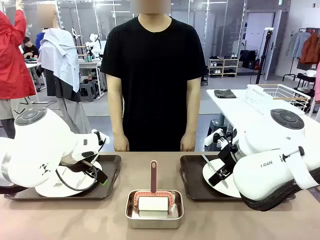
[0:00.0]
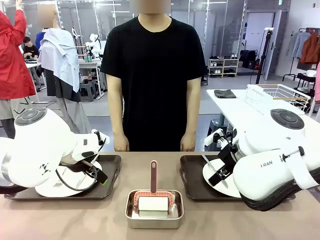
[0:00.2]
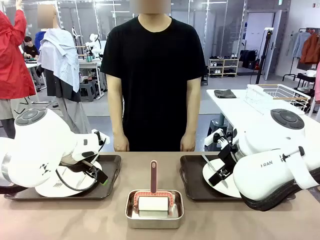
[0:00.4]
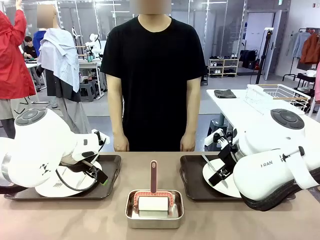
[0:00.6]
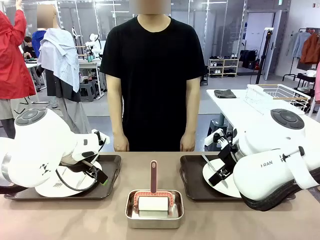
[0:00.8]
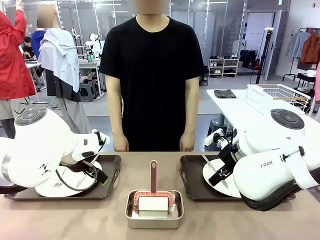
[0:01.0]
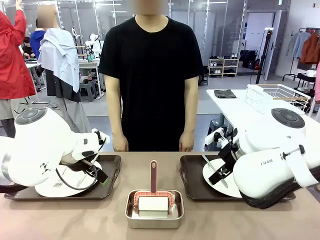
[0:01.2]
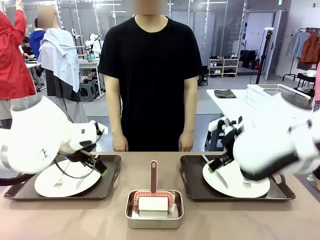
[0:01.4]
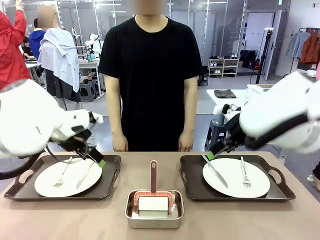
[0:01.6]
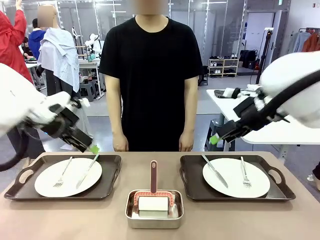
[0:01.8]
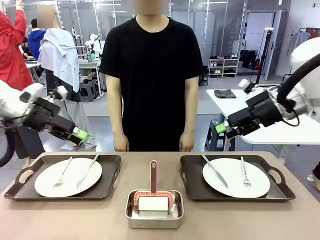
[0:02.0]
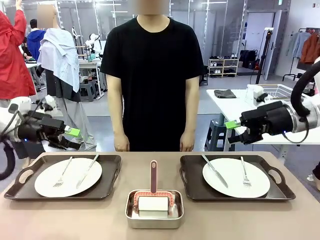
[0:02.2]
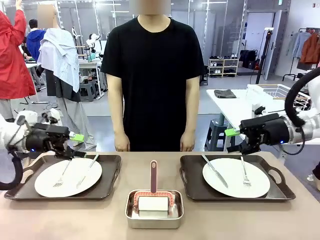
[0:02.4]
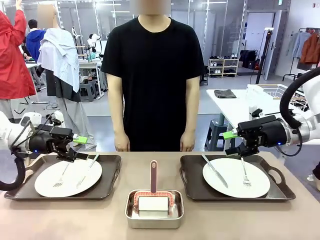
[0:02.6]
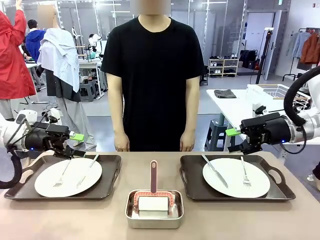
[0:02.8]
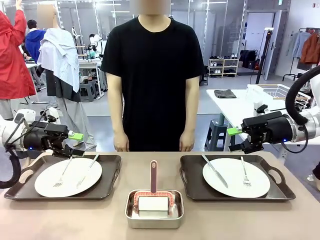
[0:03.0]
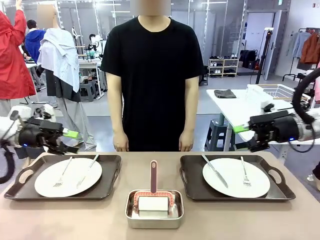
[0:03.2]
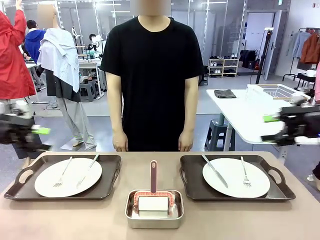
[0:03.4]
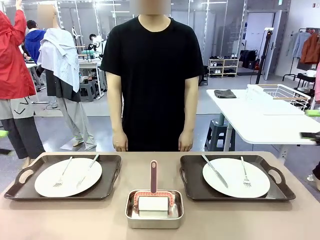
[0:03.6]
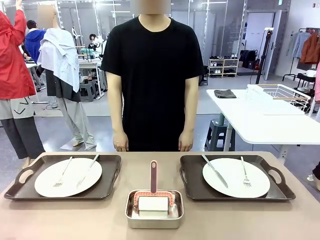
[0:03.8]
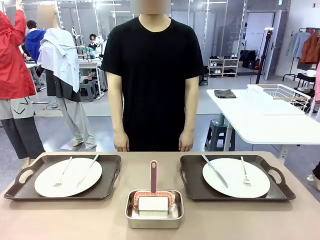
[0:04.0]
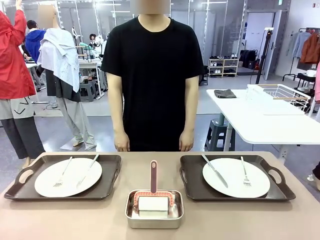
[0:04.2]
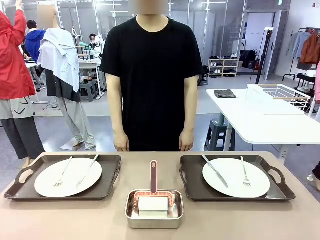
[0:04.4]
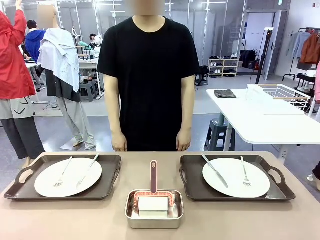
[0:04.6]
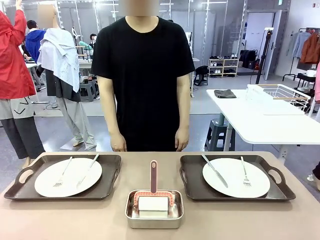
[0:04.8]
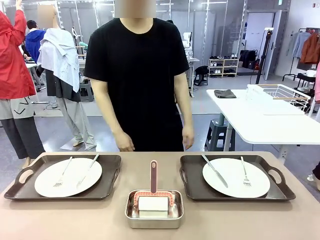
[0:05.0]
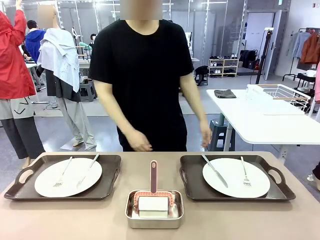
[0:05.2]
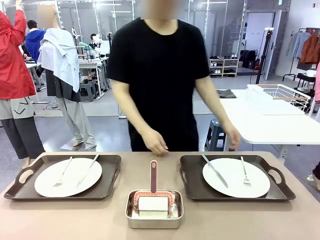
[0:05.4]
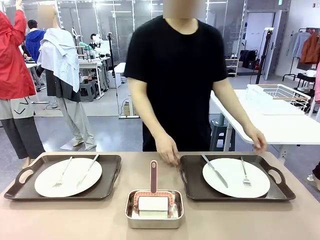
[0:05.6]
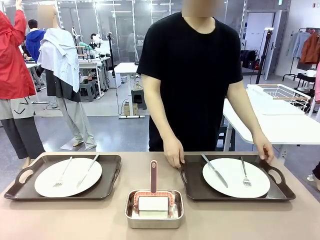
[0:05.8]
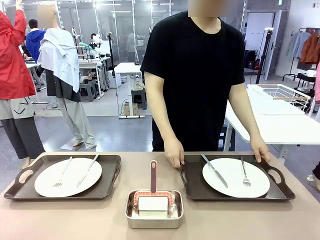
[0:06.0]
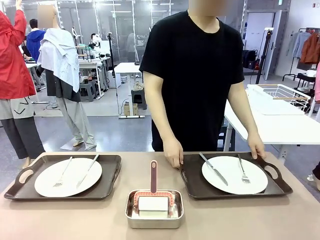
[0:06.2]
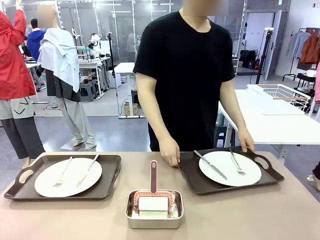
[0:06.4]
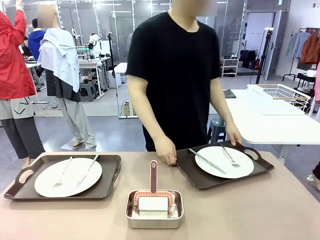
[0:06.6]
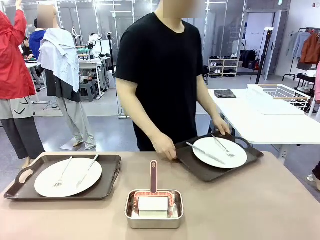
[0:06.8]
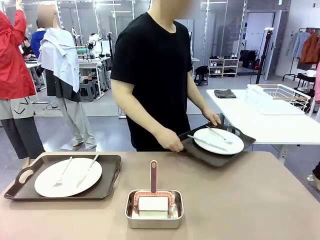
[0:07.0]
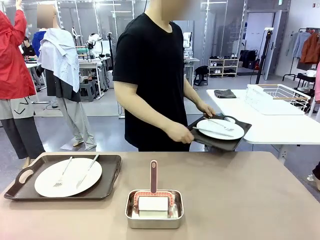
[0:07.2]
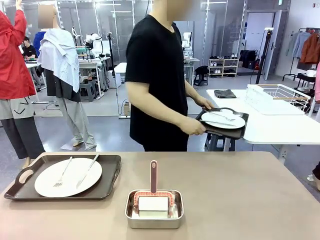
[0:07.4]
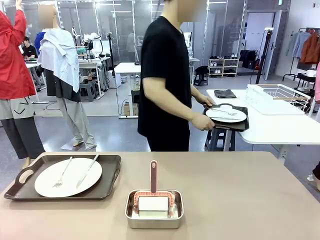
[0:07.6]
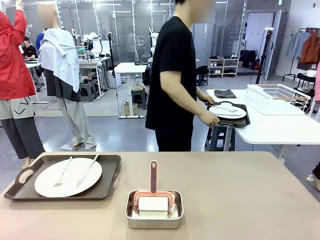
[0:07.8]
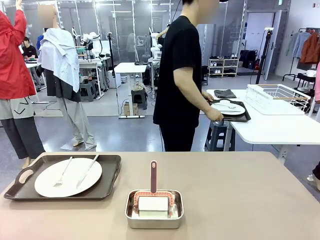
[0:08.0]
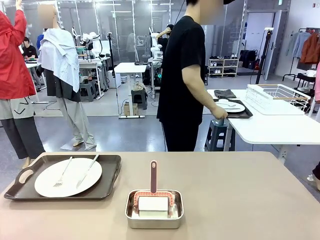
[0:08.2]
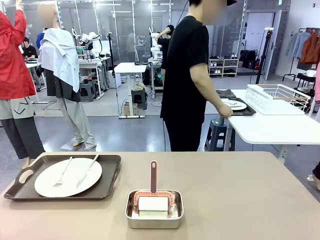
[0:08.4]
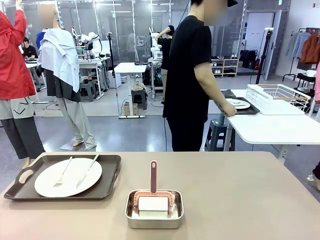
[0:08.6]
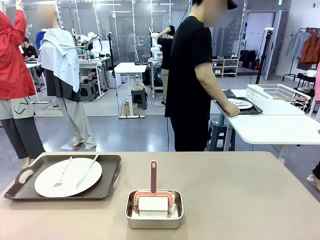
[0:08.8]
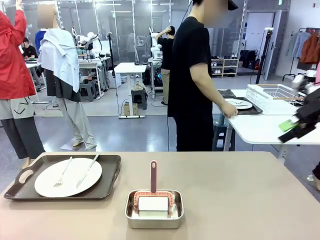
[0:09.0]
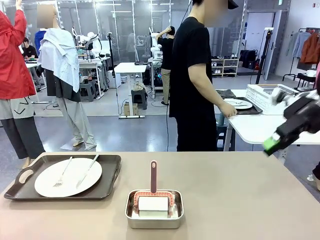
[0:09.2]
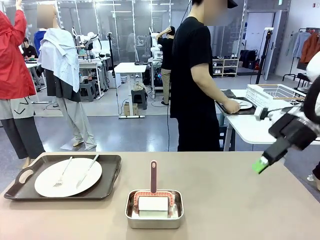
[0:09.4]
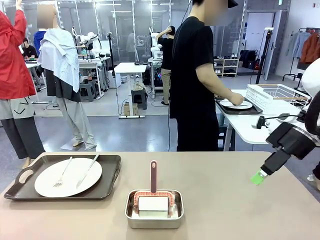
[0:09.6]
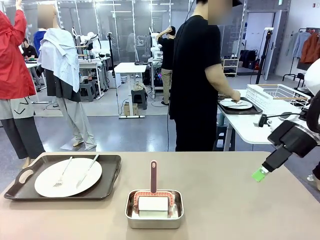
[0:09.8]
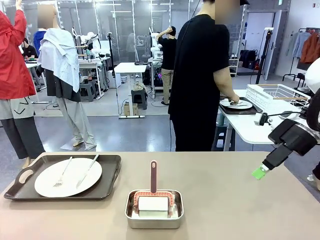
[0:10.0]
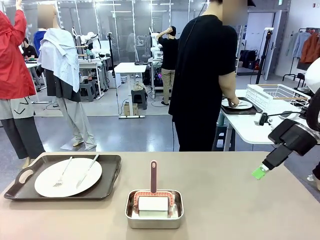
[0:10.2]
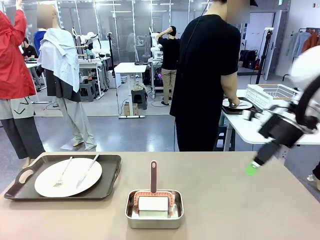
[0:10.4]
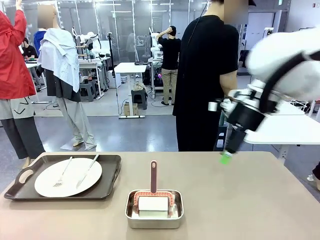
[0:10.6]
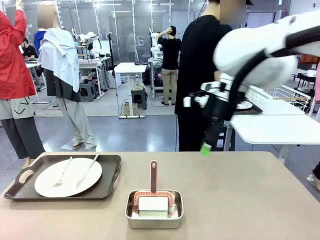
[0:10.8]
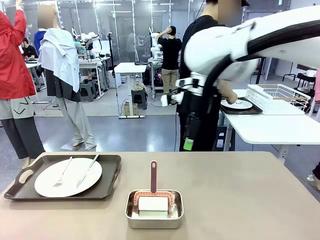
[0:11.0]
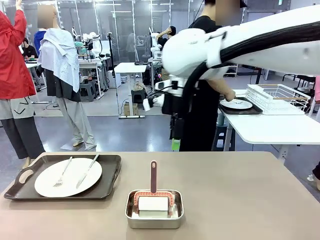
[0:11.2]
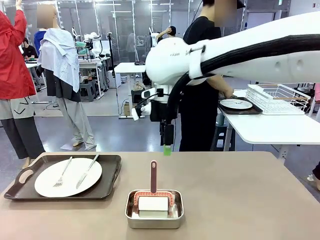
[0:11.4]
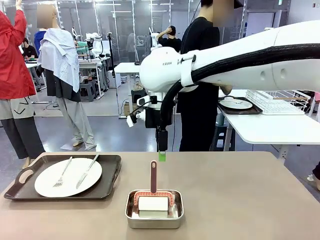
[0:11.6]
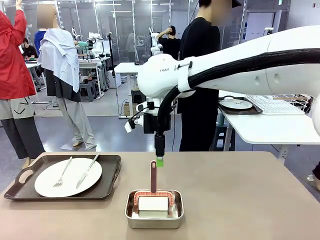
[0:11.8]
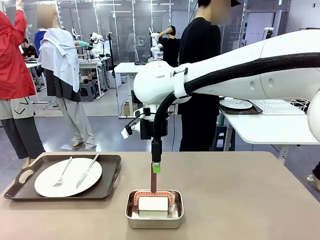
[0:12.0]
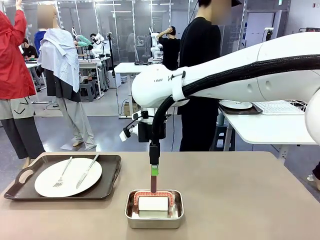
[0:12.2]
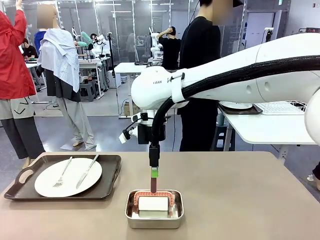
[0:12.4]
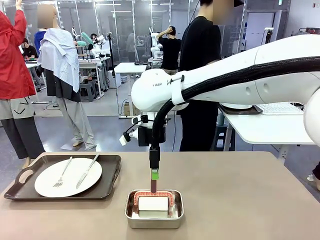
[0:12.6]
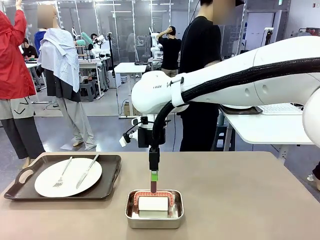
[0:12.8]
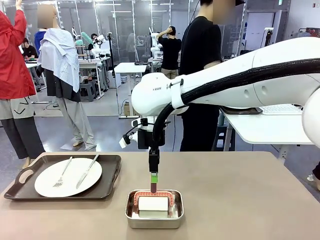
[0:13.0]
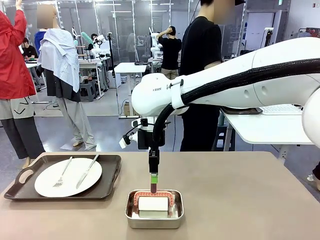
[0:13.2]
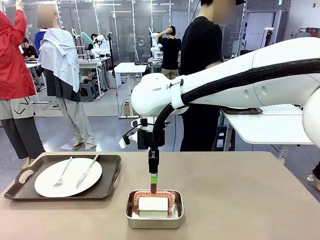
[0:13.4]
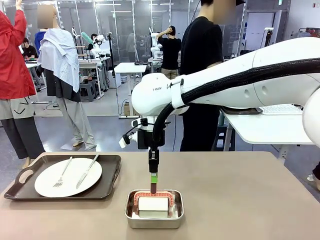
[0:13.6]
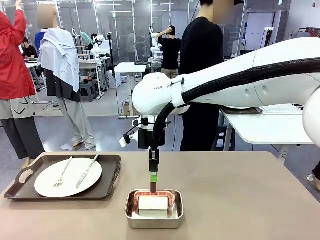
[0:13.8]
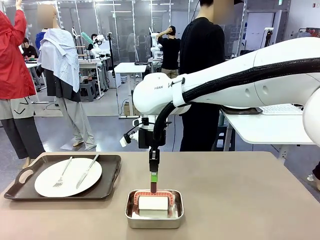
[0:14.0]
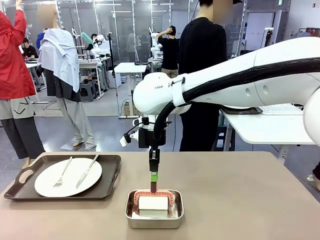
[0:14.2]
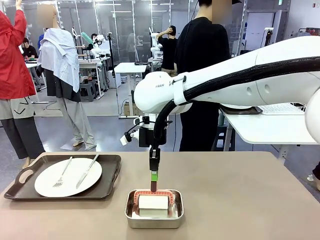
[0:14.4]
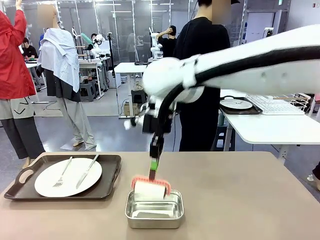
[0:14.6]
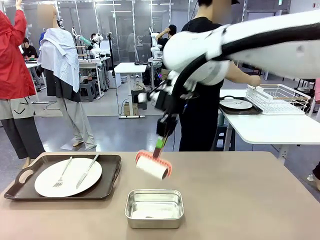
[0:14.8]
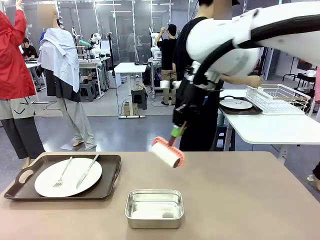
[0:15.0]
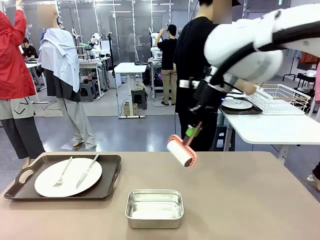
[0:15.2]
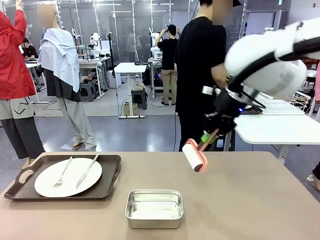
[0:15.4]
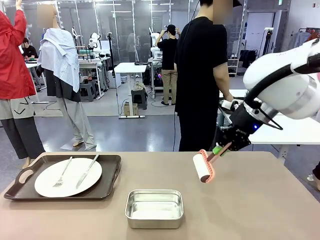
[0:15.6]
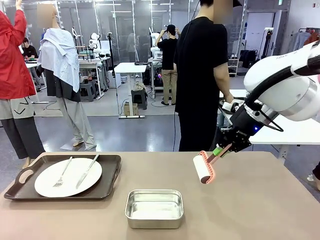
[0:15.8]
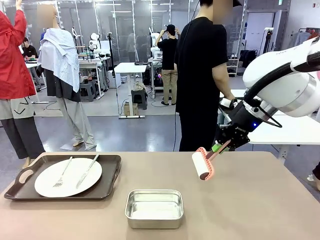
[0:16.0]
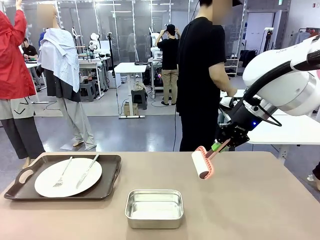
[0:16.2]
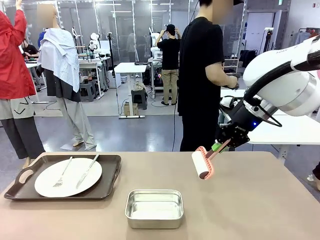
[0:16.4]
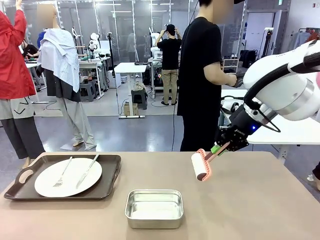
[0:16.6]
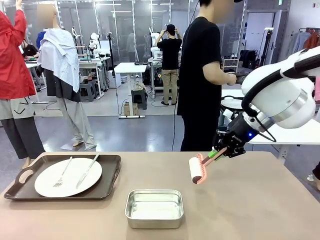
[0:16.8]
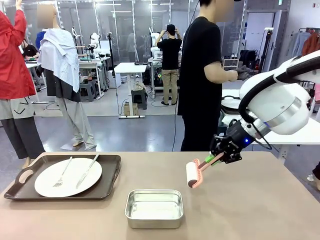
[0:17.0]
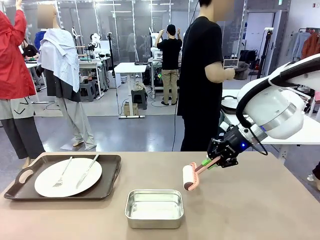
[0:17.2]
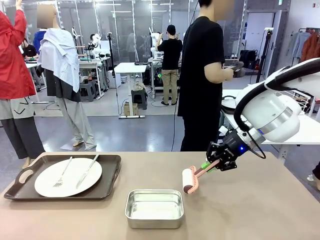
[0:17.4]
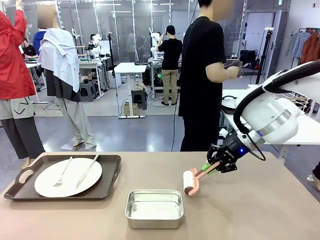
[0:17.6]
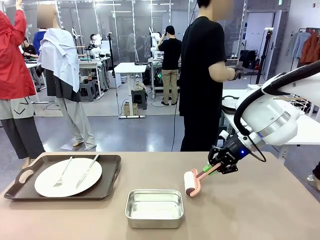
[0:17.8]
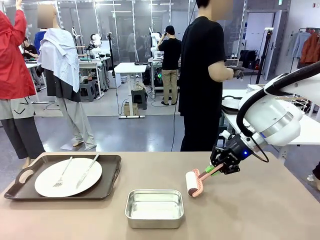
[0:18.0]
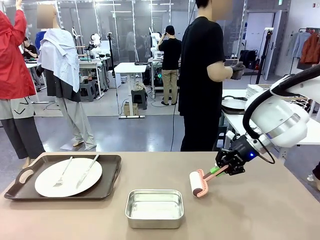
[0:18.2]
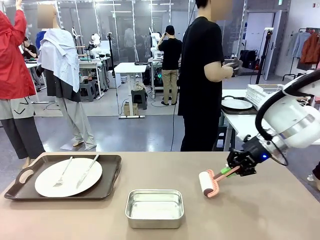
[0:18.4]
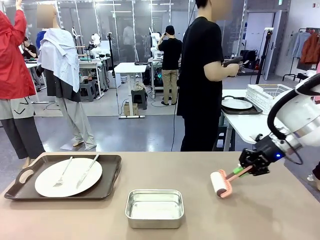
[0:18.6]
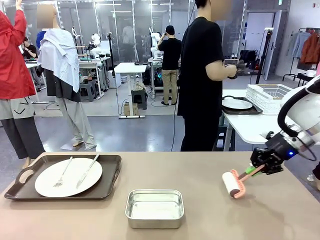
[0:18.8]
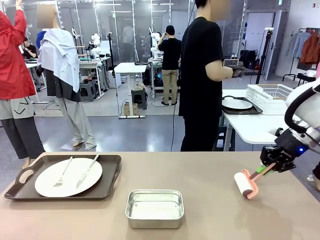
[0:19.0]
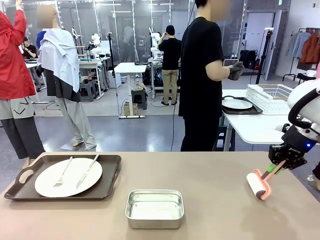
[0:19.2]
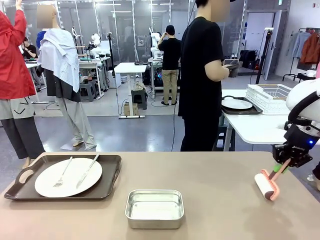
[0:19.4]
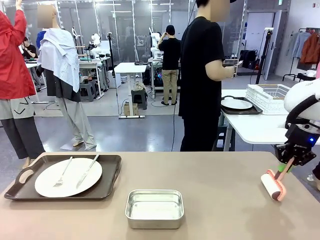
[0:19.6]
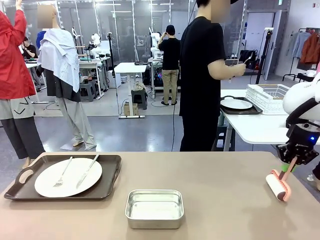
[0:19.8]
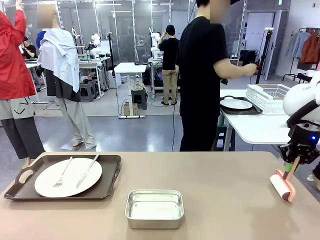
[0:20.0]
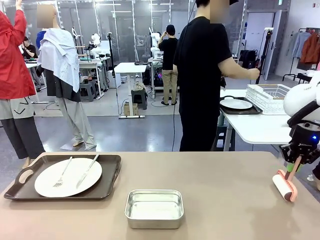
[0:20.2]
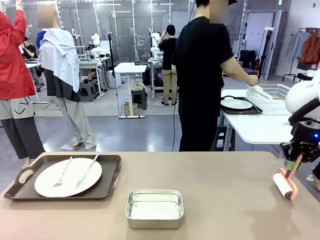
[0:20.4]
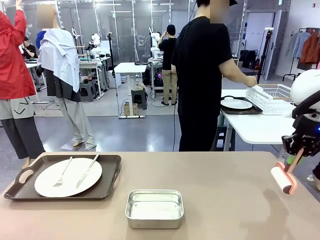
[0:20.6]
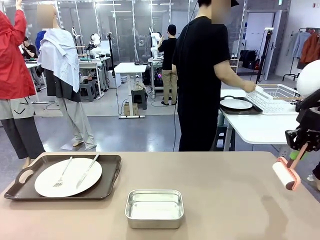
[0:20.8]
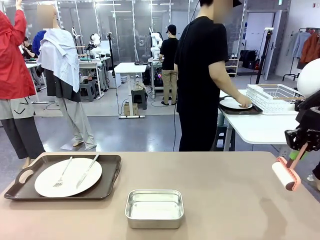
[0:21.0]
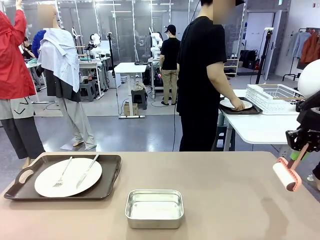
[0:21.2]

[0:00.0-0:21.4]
Robot: When the left (or right) Handle tray is removed, use the left hand (or right hand) to clean the left (or right) side of the table with the Lint Roller.
Person: Pick up the left (or right) Handle tray and place it on the middle of the Human's table. Use the Towel with hook to wipe the Plastic Matte Plate , Fork , and Knife and place into the Dish drying rack.
